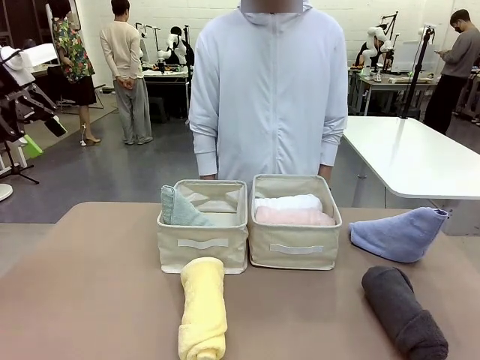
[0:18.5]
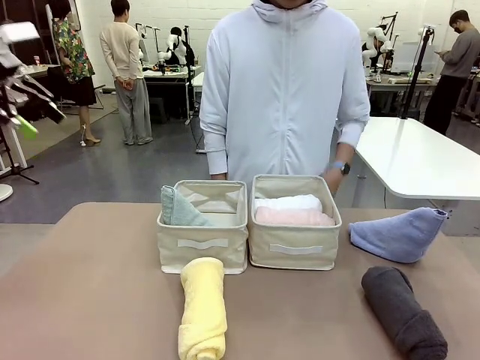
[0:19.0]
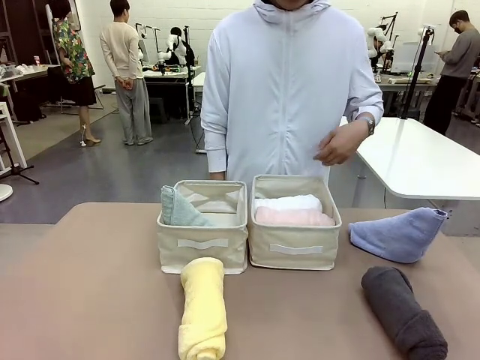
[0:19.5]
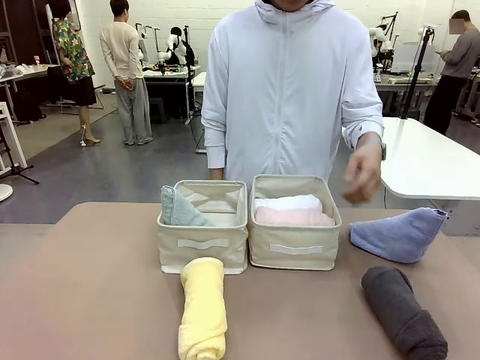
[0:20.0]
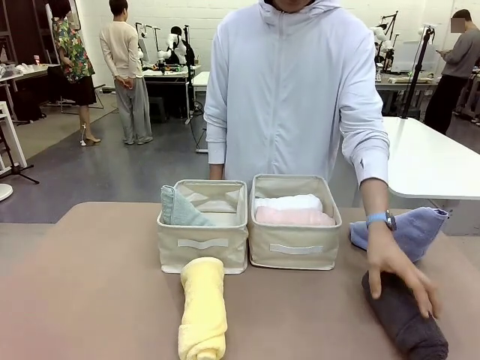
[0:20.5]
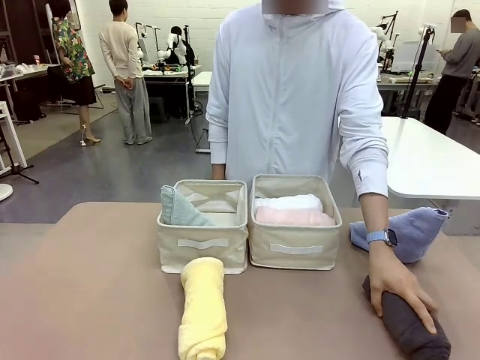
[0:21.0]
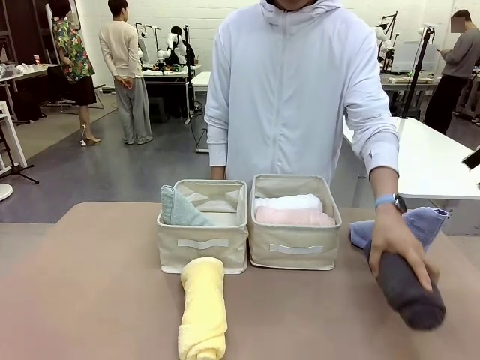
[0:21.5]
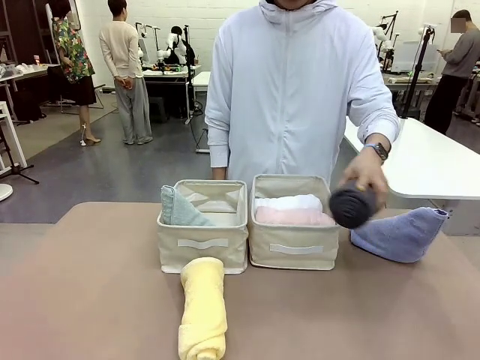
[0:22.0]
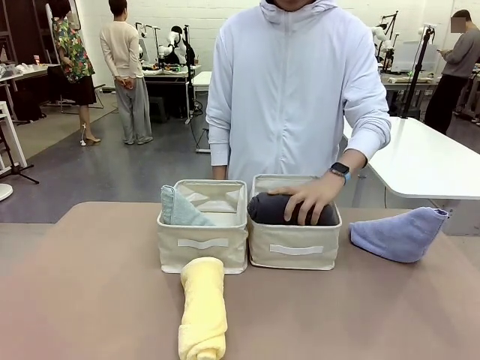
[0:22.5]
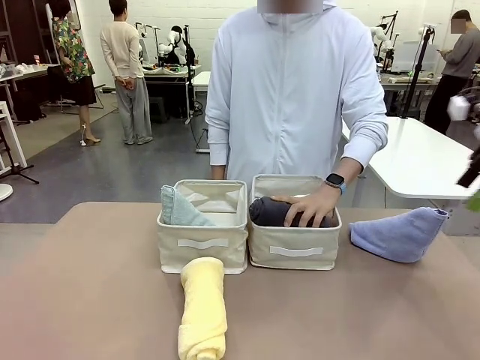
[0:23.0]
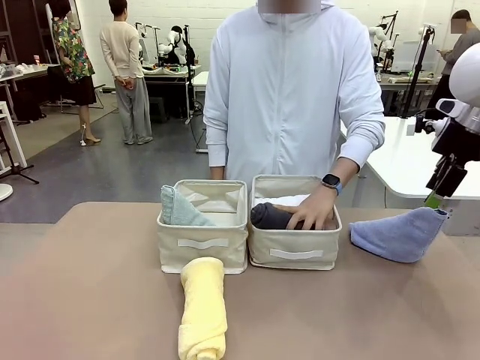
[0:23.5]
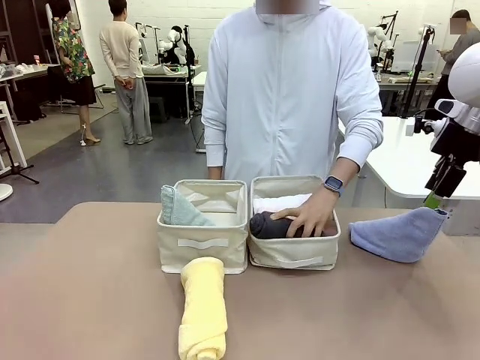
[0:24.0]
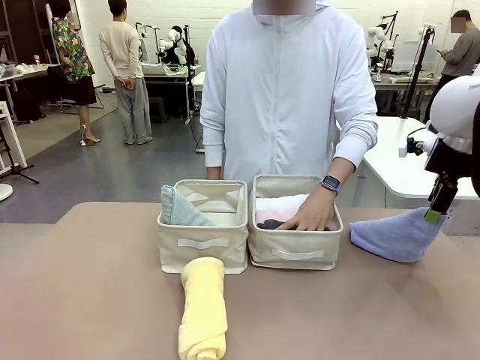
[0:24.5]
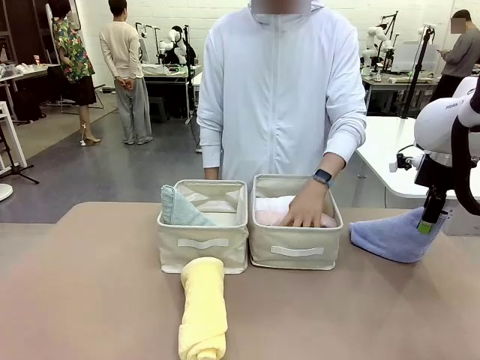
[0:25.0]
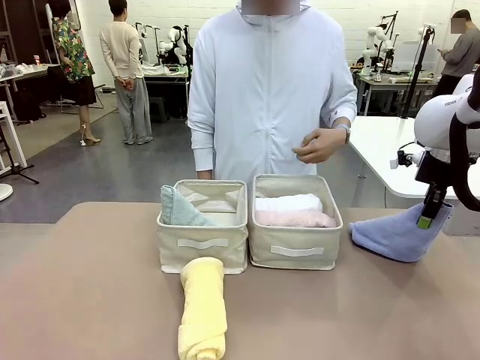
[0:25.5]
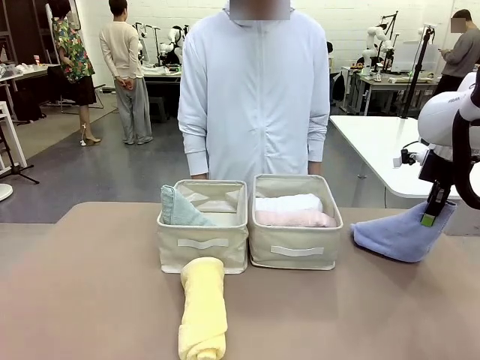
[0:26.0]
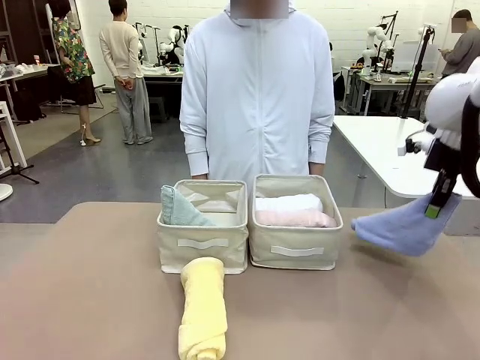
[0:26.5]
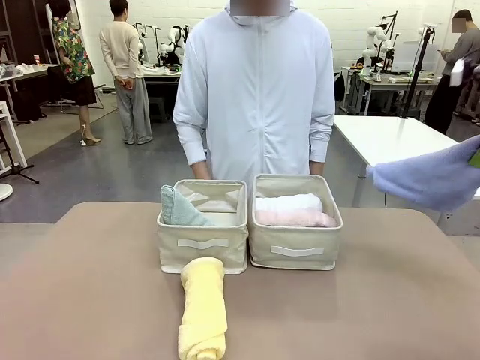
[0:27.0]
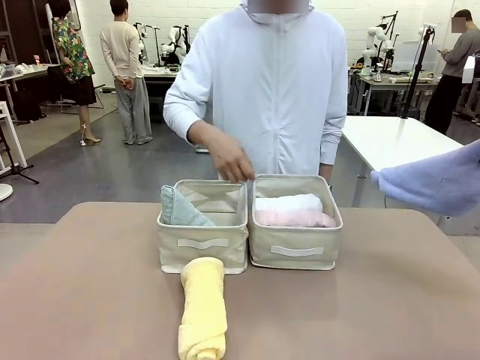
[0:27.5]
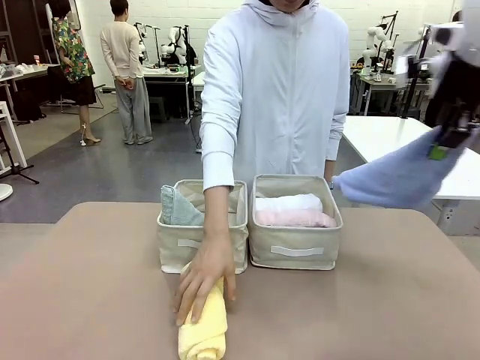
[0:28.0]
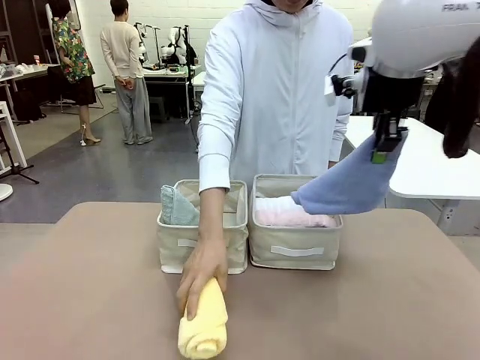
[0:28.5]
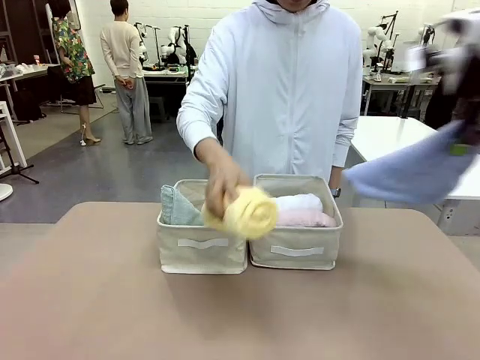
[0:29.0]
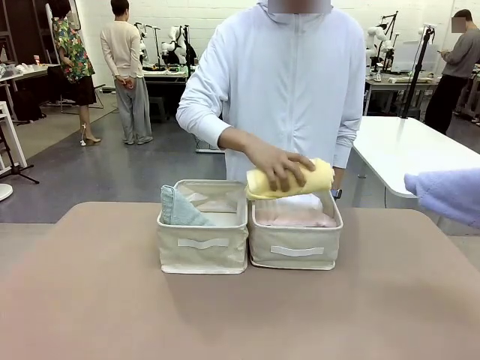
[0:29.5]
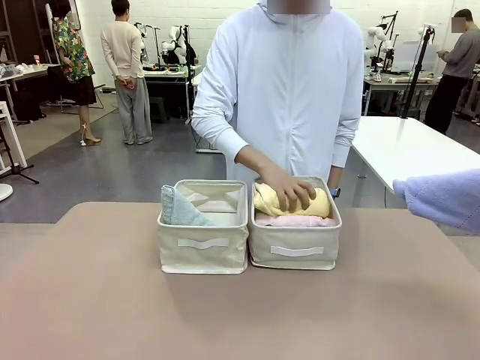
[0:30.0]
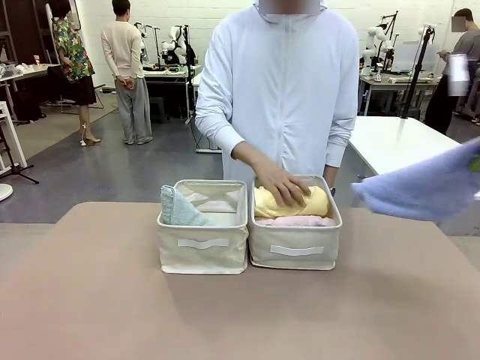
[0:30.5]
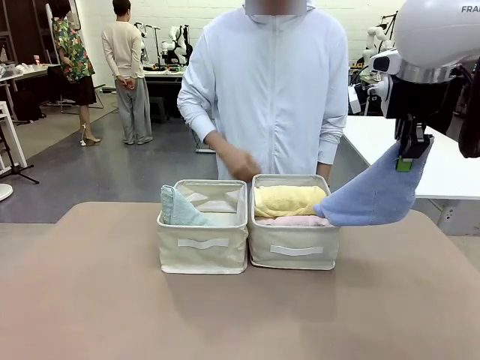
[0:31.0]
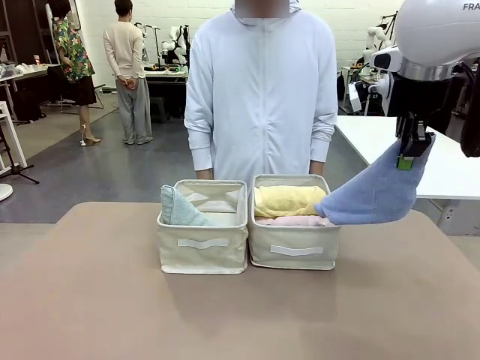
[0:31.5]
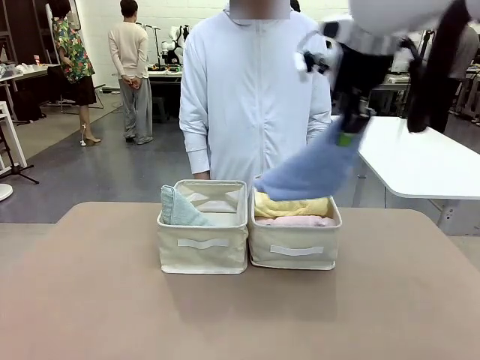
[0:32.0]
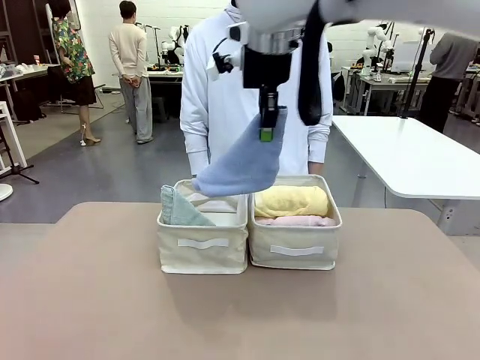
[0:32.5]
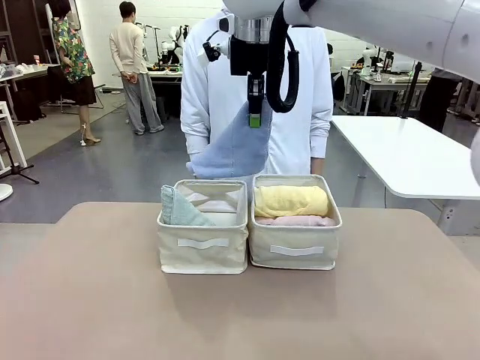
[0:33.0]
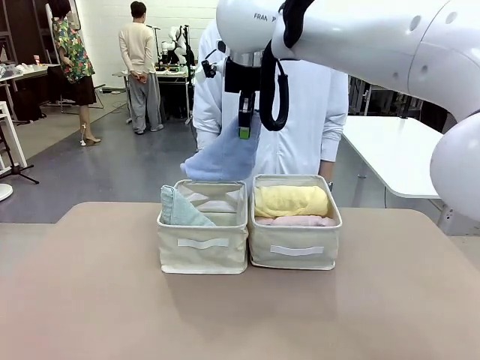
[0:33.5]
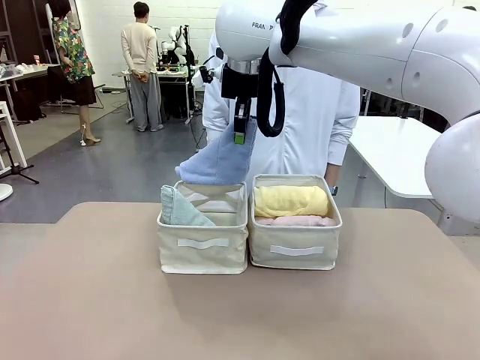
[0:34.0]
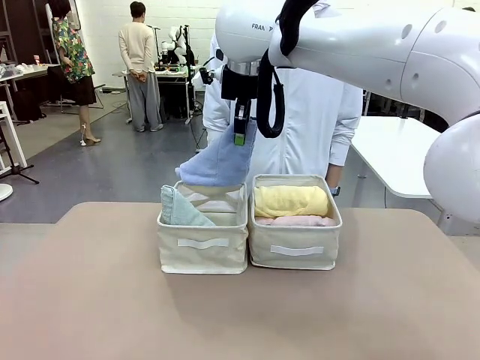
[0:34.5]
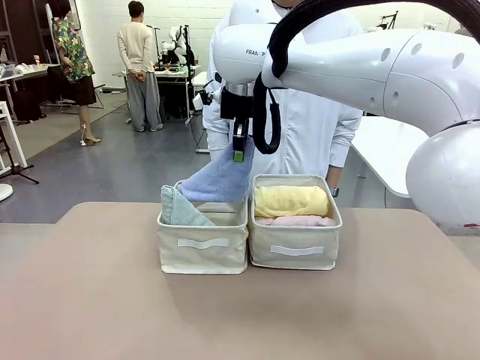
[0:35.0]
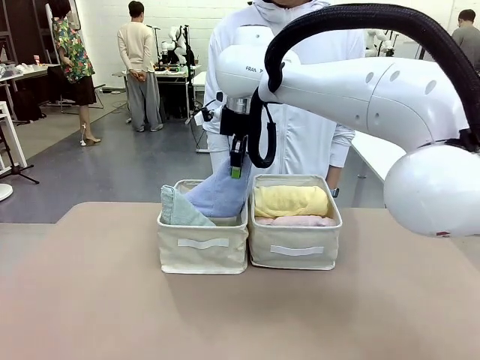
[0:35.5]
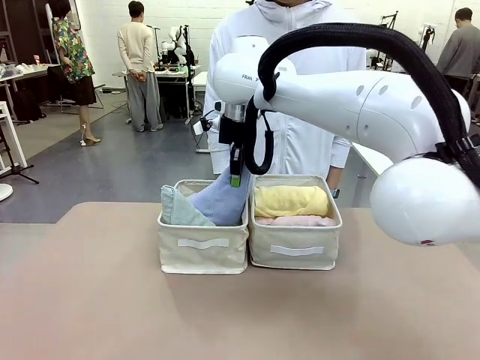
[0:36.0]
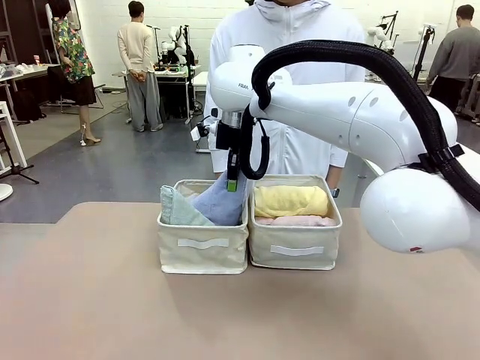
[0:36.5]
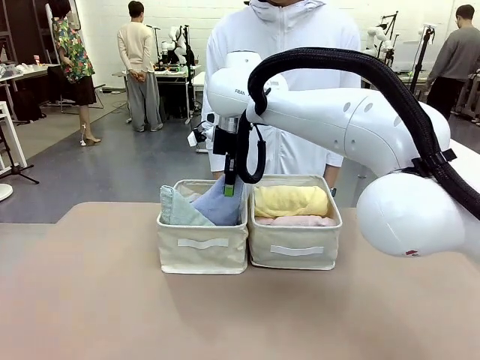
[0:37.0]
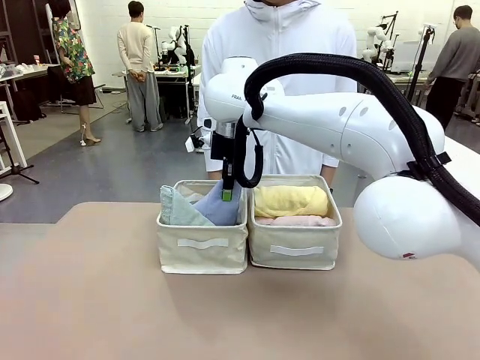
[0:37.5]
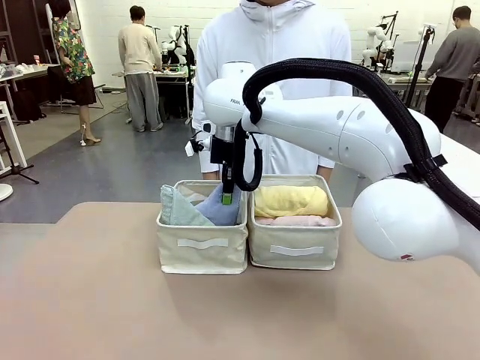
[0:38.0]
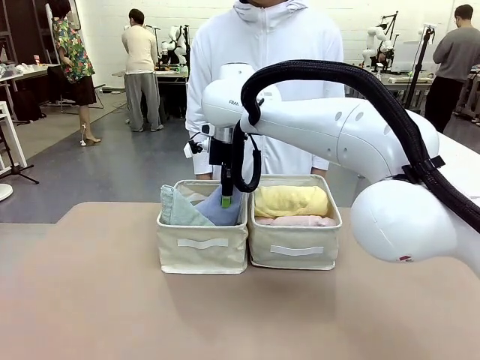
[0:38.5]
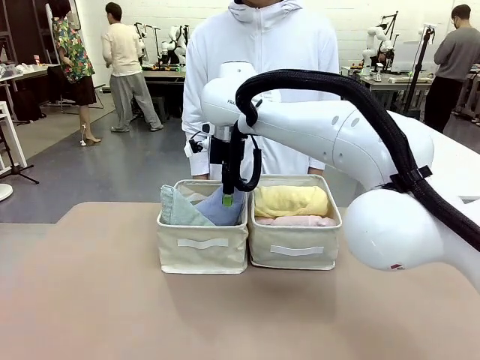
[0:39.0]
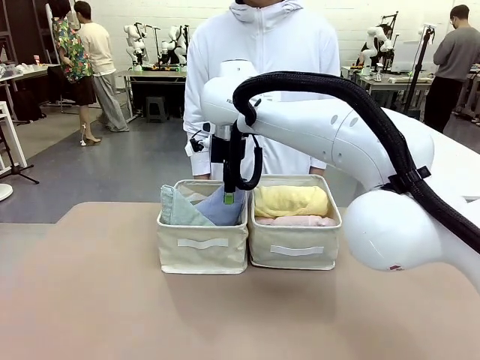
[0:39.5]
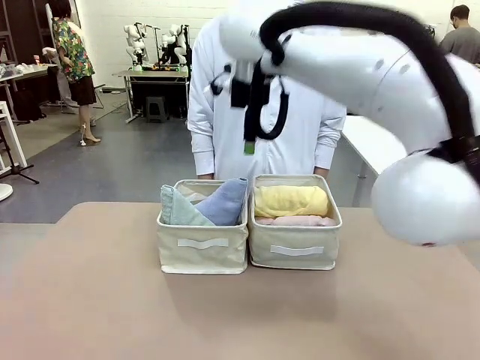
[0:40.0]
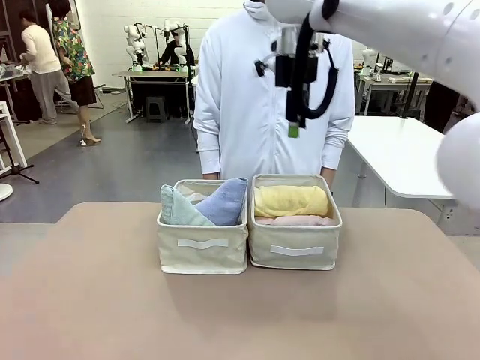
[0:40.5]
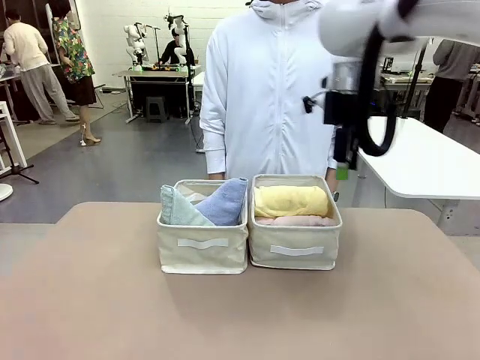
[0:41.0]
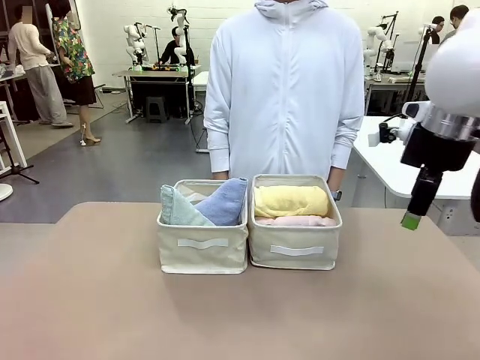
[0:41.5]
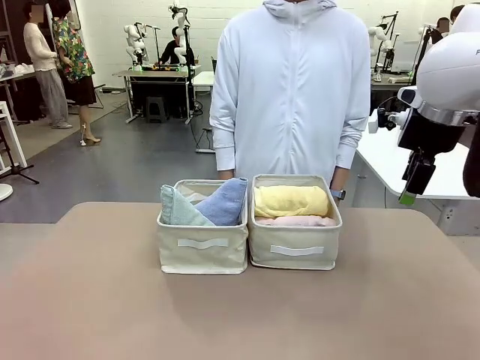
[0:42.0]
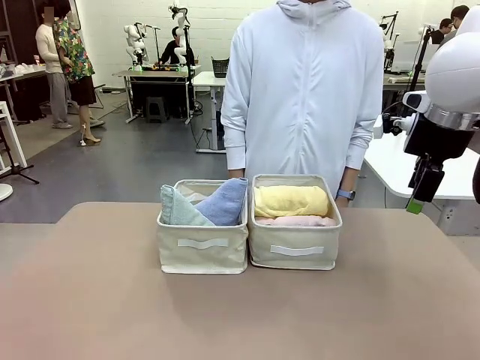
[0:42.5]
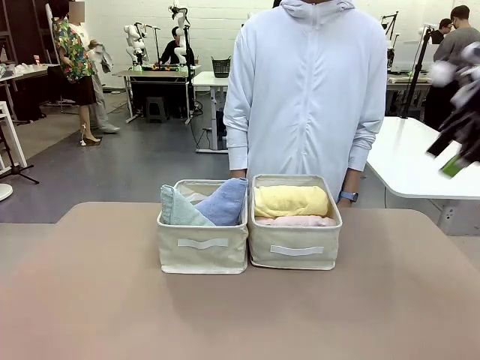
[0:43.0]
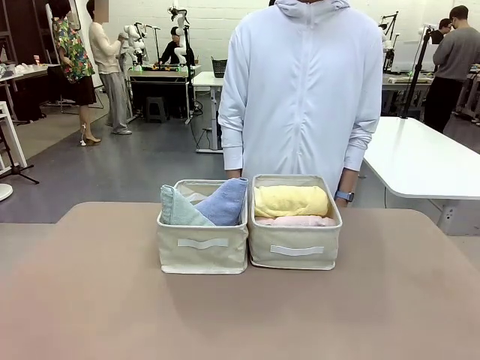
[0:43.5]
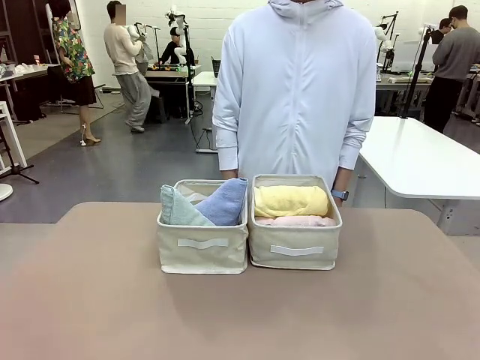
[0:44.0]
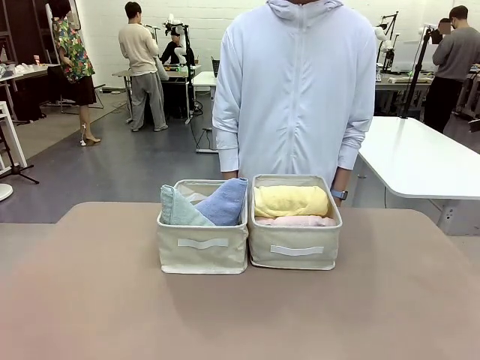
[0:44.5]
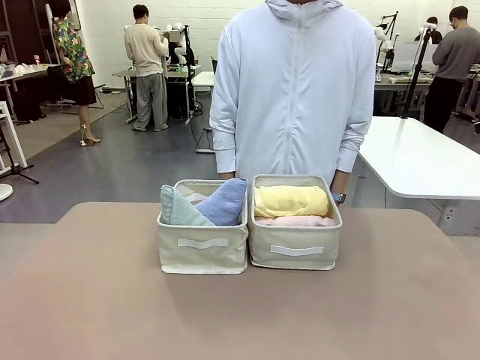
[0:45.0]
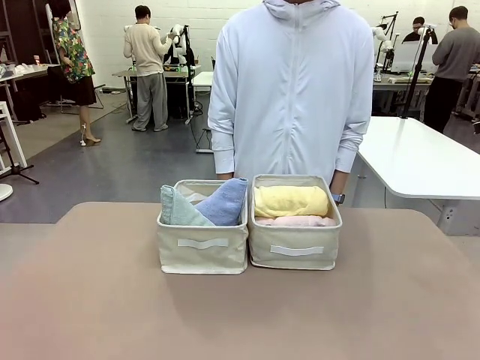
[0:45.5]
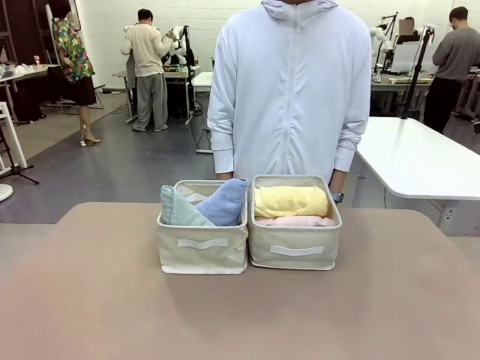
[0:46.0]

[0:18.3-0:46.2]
Task: Sort the towels based on their folding style.
Robot: Pick up another triangle-folded towel from the table and place it in the left Fabric basket.
Person: Pick up one hotel-style rolled towel from the table and place it in the left fabric basket.
